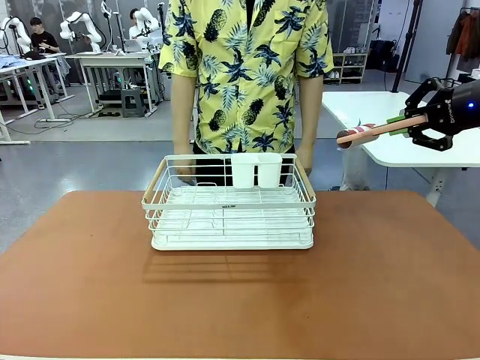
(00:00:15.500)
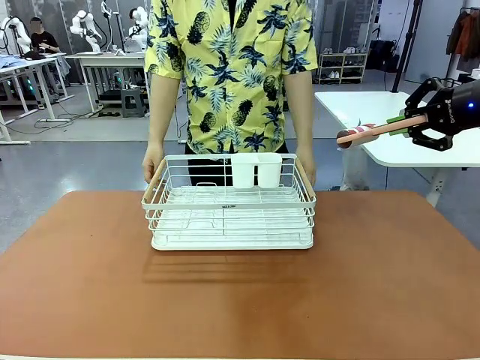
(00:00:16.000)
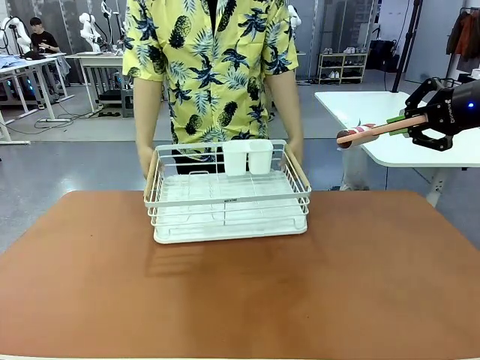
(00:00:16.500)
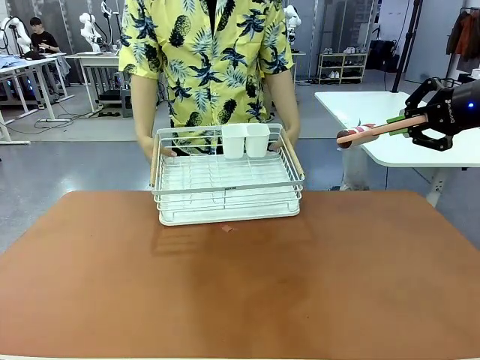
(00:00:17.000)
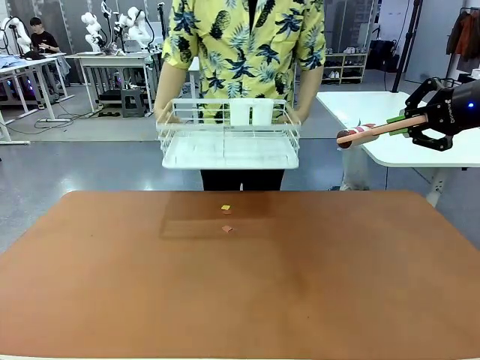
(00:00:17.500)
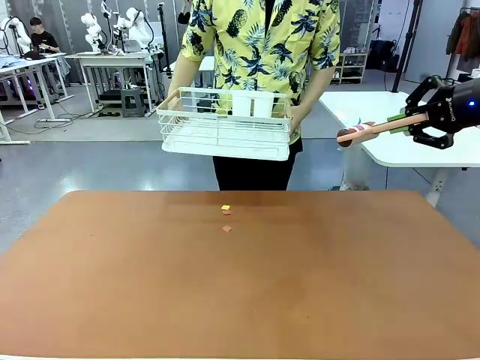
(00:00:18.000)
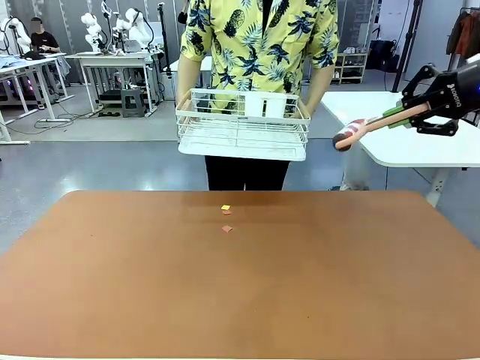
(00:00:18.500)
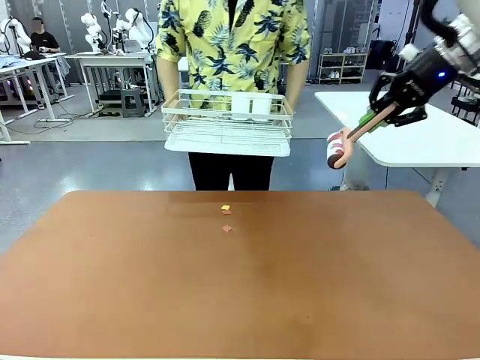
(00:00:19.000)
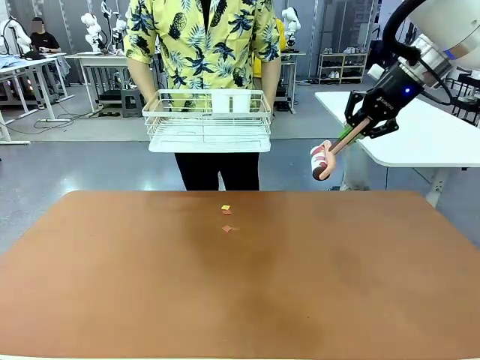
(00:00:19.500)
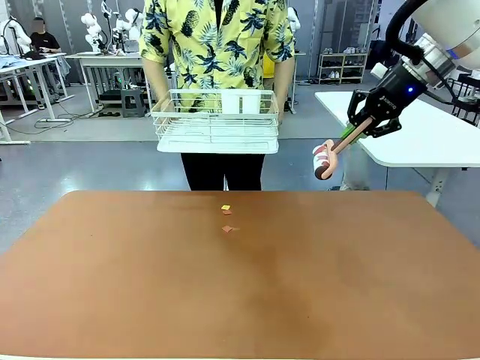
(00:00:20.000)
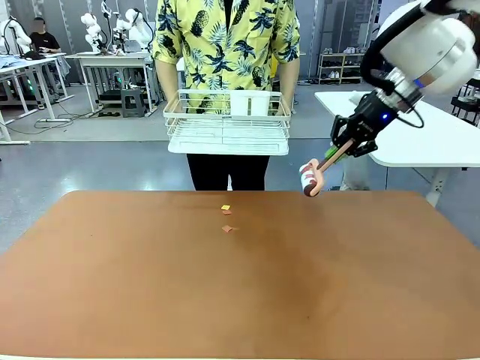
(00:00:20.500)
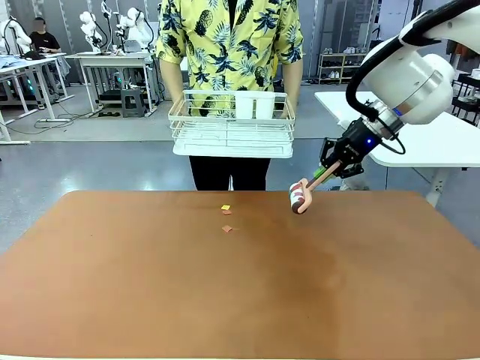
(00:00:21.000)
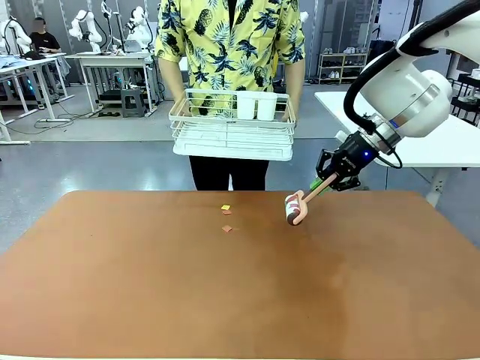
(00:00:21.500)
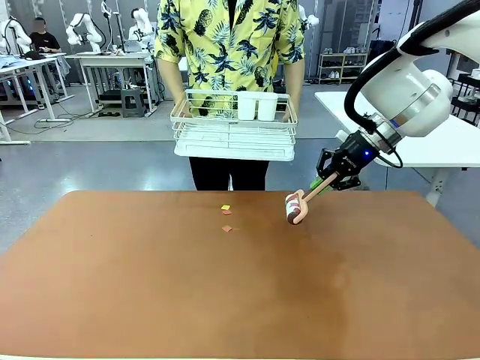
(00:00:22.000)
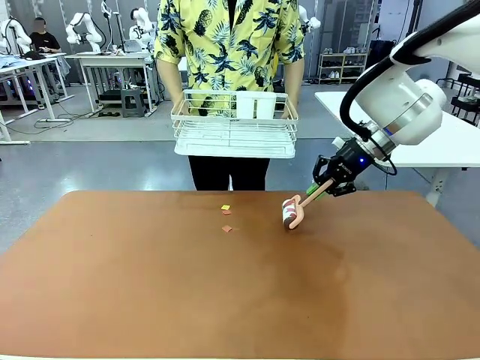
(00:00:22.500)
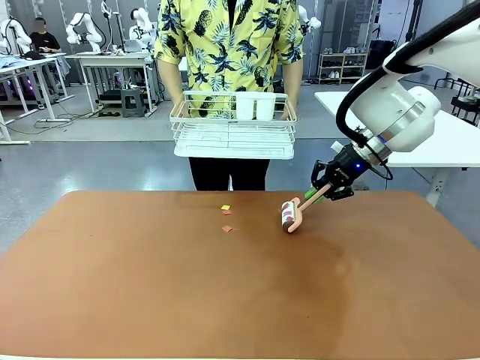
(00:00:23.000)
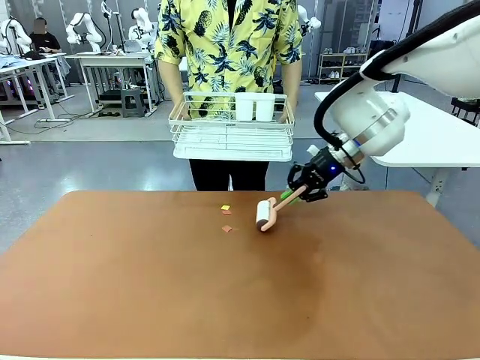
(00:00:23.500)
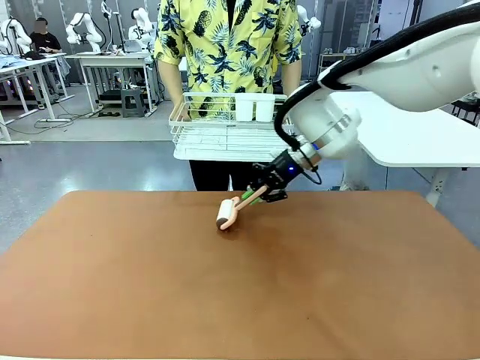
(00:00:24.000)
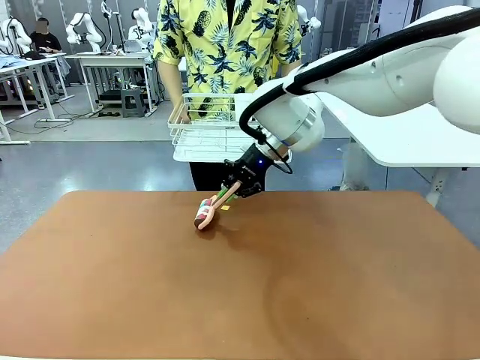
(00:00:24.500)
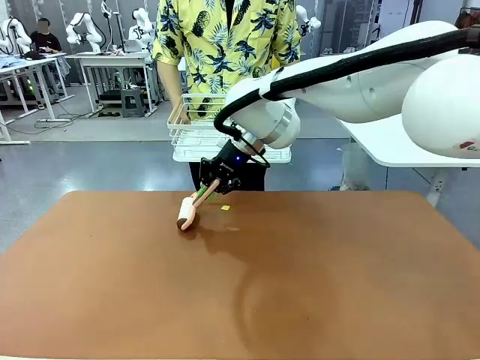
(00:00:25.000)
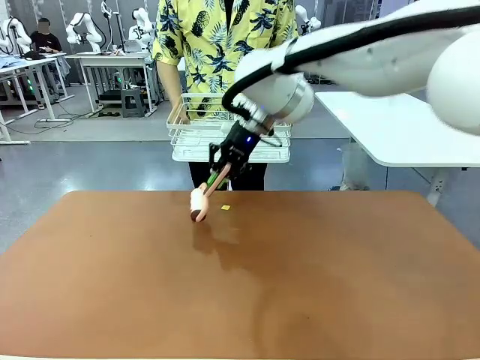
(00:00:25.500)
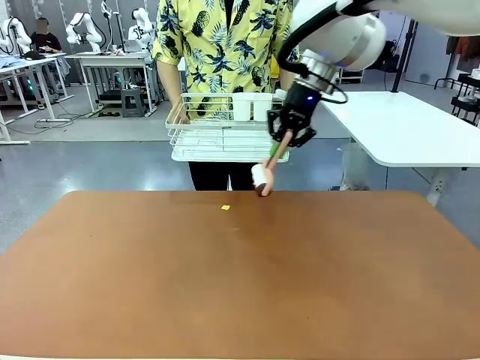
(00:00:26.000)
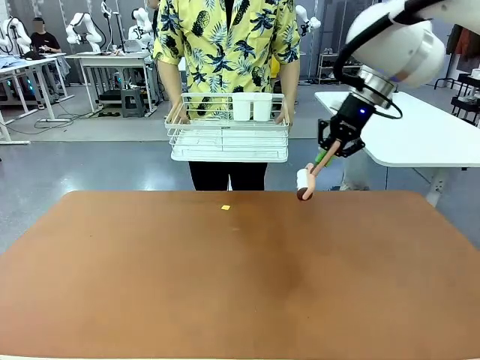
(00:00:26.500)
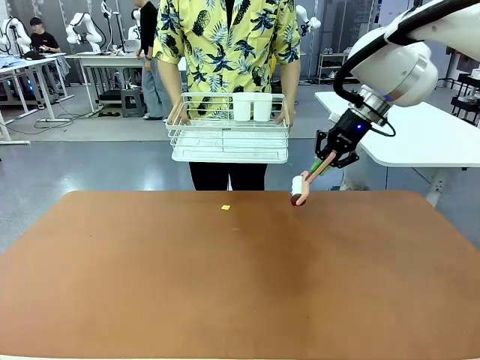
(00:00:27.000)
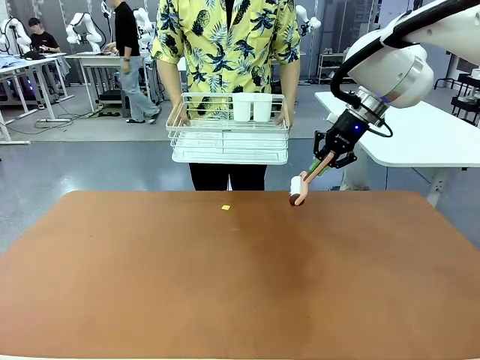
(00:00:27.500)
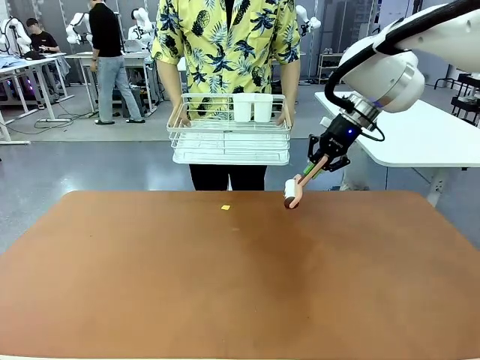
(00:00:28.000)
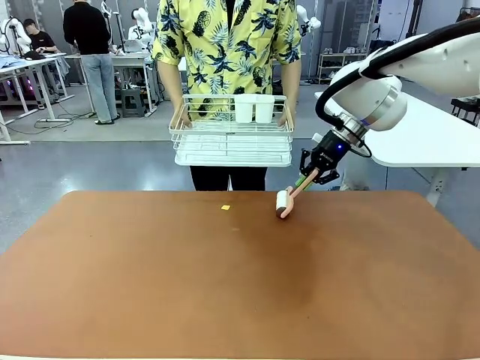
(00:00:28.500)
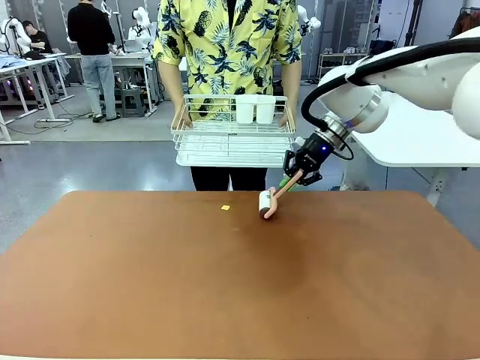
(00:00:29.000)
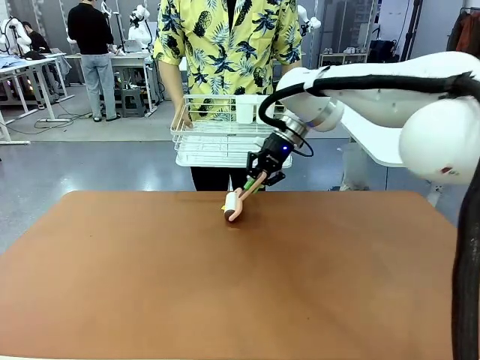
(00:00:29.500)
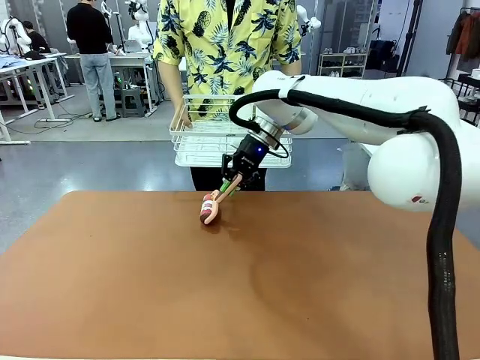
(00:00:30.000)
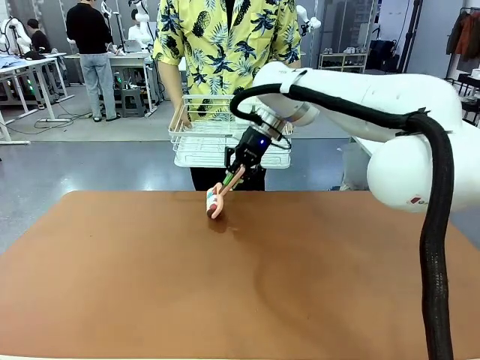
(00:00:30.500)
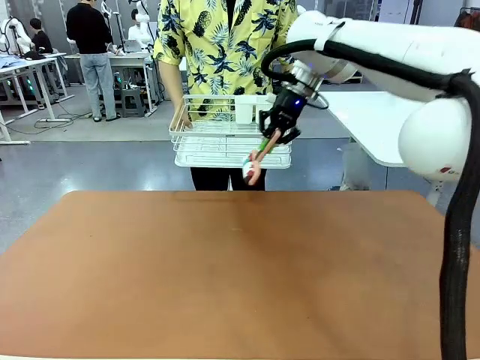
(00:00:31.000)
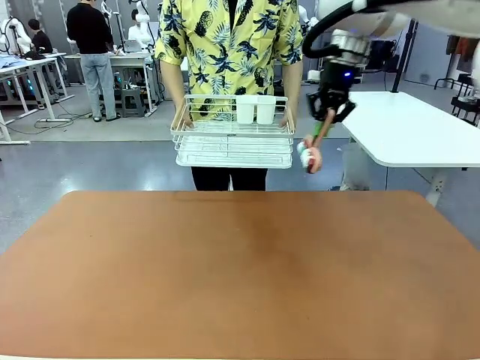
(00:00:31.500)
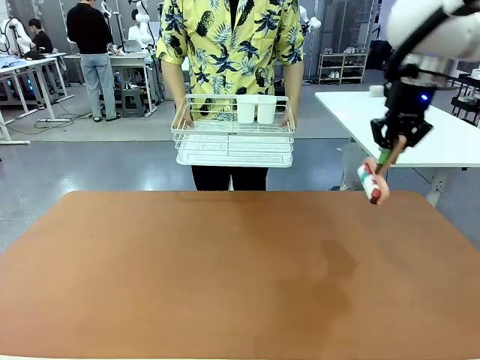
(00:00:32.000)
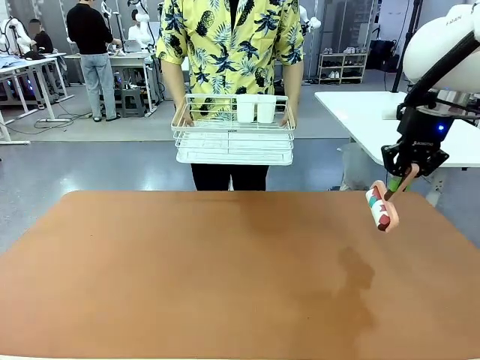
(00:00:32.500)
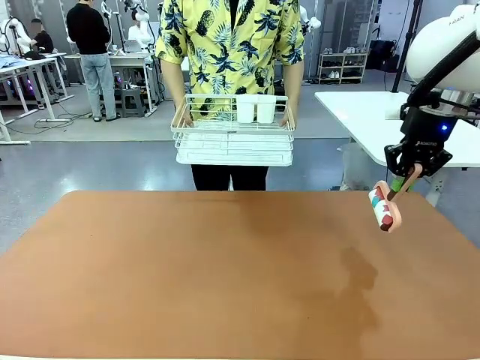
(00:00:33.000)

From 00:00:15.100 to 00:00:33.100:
Task: Clean the table.
Robot: Clean the table with the Lint Roller when the human lifts the Dish drying rack.
Person: Place the Dish drying rack down when the robot finishes cleaning.

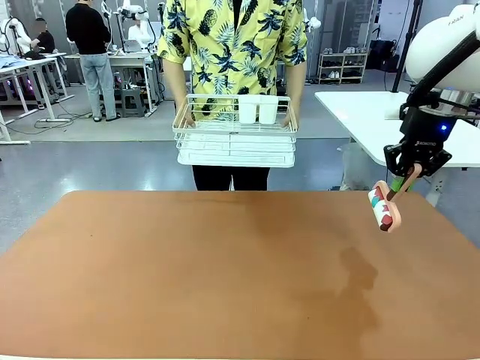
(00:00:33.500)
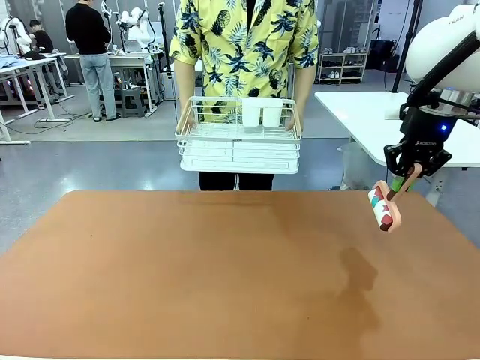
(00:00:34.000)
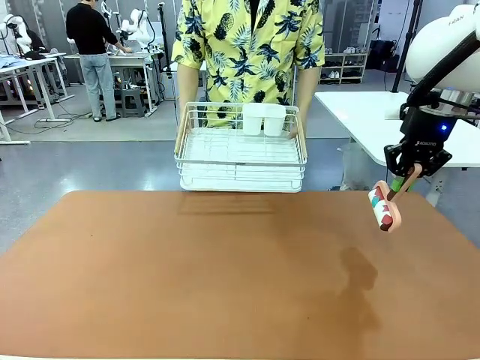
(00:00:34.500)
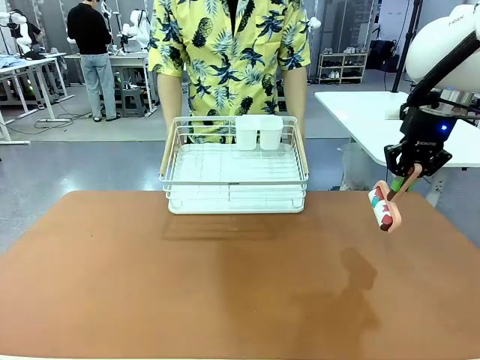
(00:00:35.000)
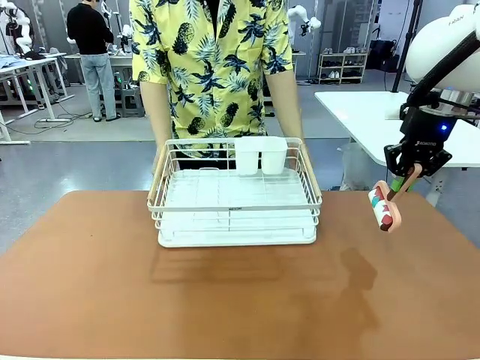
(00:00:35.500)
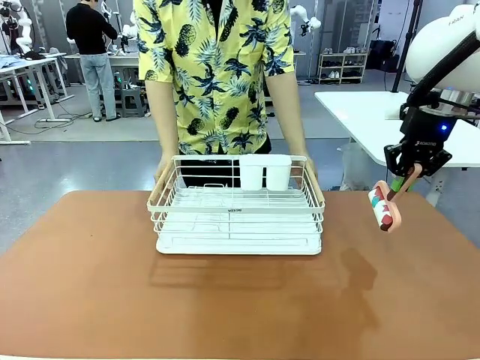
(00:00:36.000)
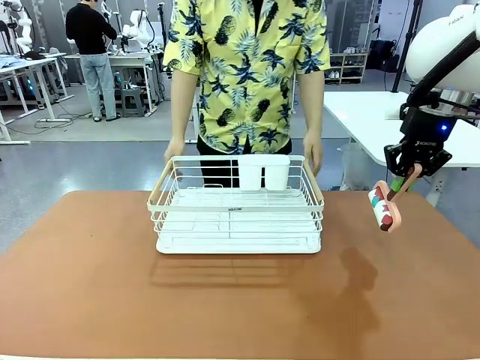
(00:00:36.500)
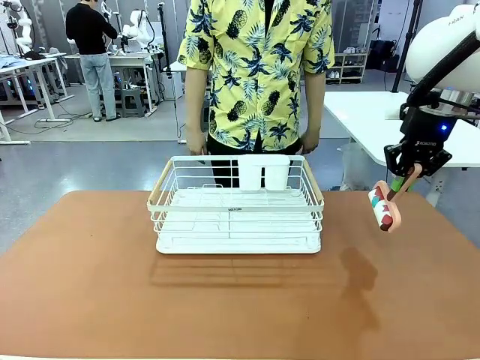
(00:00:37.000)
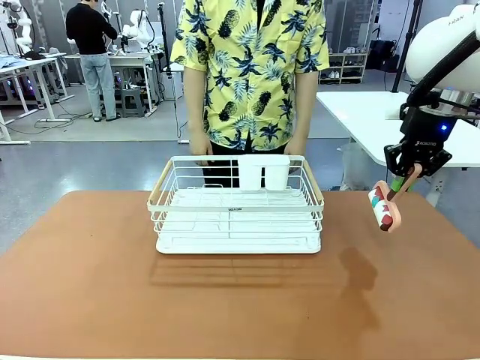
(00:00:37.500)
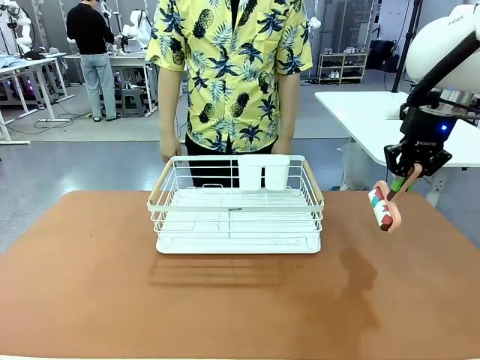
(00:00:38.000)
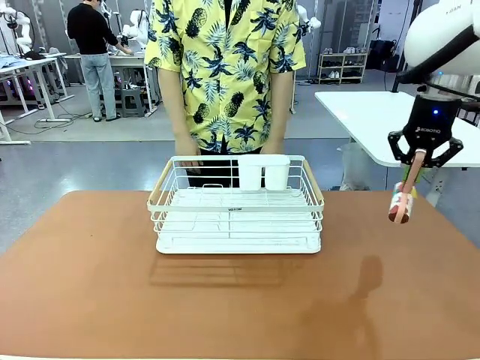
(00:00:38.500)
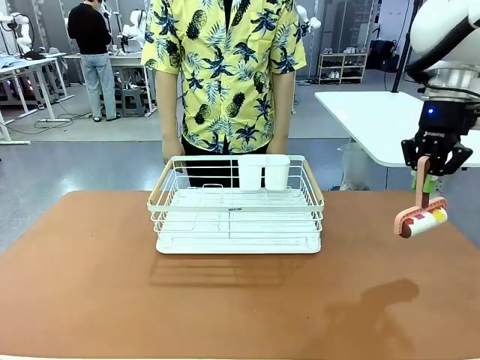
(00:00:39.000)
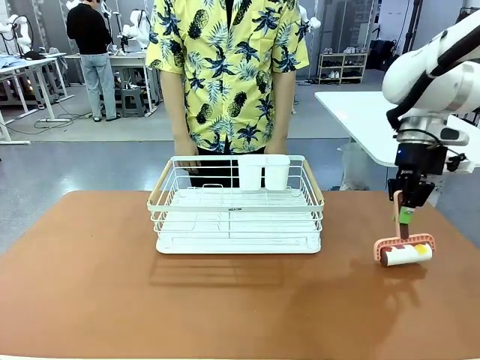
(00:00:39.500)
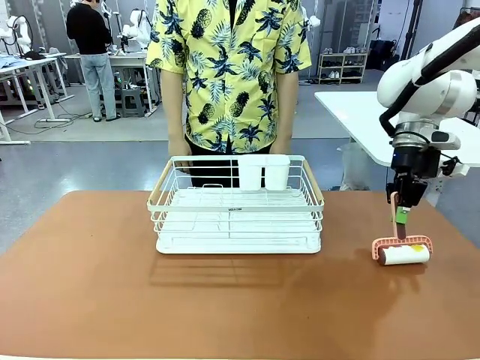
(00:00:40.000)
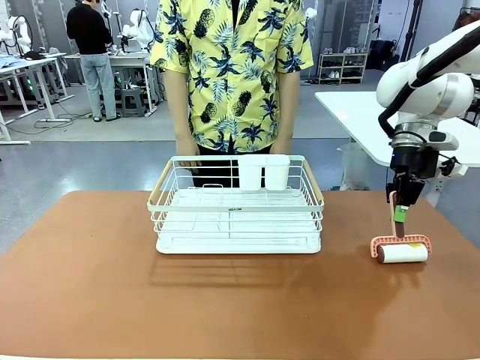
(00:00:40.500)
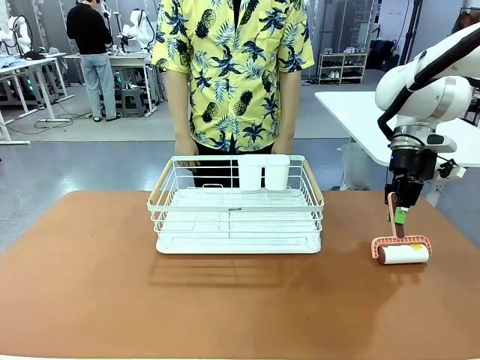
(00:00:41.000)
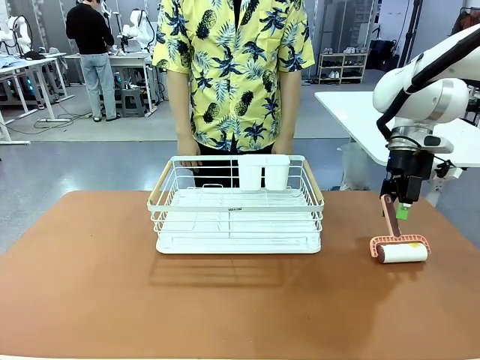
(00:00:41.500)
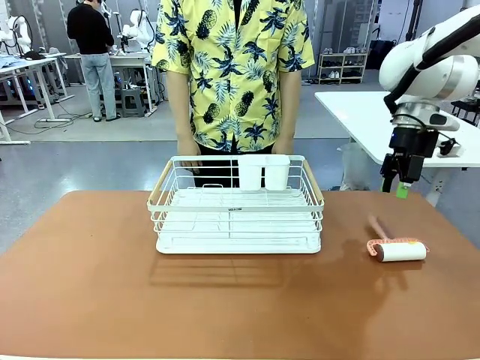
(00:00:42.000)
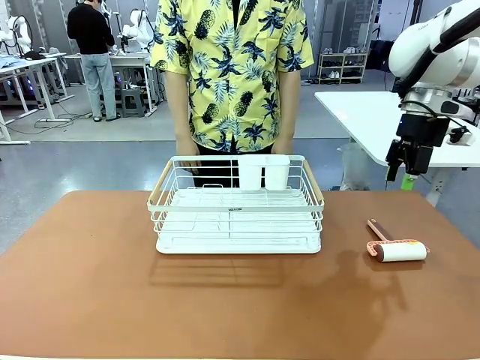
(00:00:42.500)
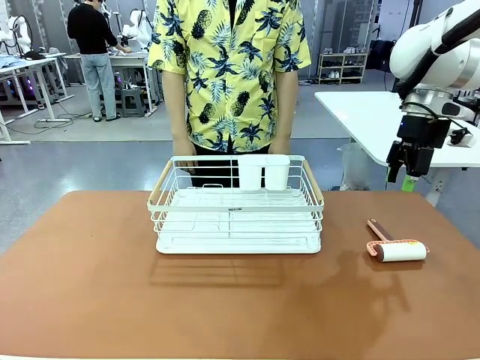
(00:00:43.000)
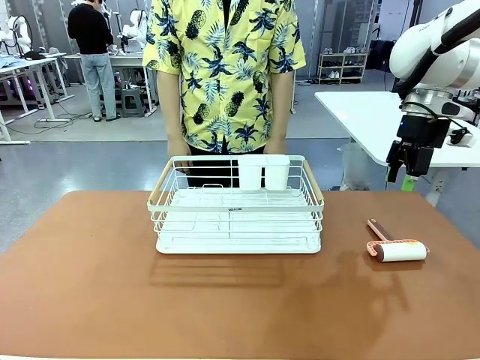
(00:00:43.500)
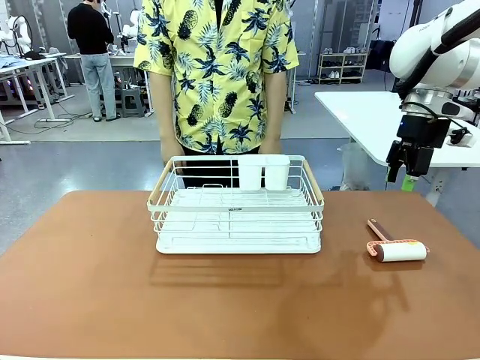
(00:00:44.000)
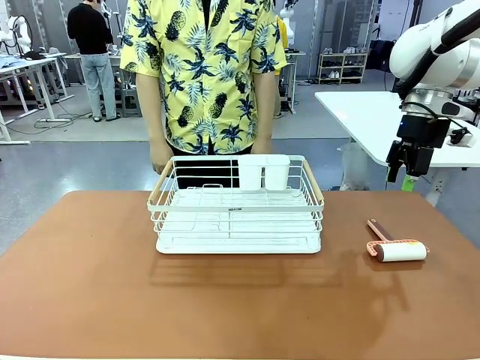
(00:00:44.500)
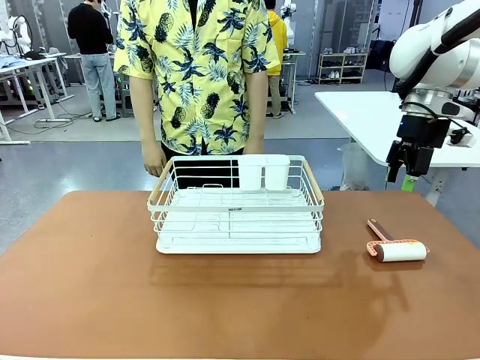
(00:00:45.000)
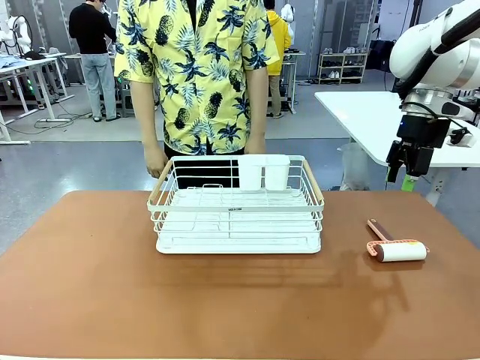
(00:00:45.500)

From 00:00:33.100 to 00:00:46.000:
Robot: Place the Lint Roller down when the Dish drying rack is positioned in the middle of the table.
